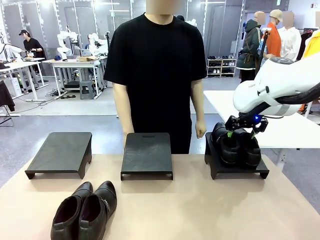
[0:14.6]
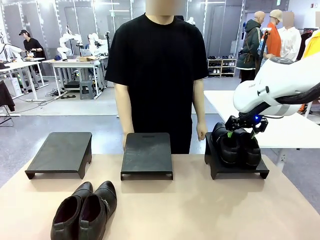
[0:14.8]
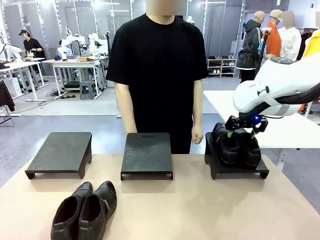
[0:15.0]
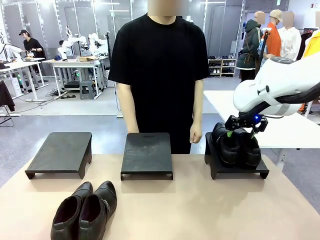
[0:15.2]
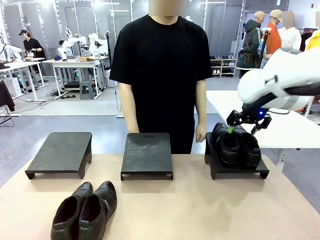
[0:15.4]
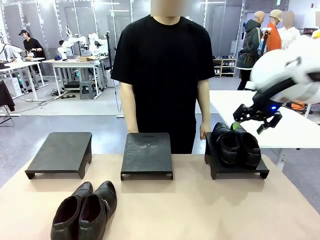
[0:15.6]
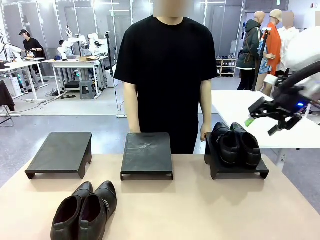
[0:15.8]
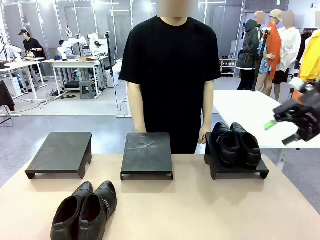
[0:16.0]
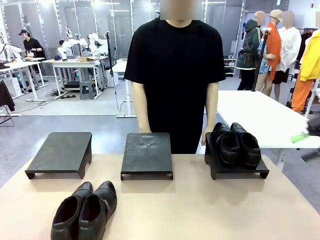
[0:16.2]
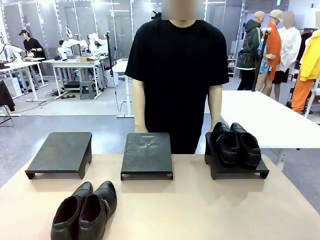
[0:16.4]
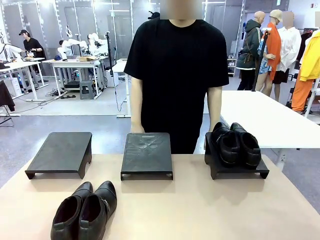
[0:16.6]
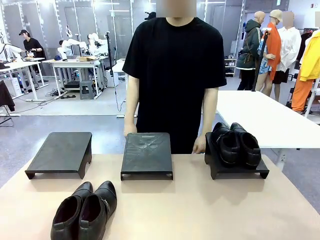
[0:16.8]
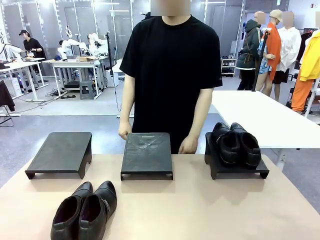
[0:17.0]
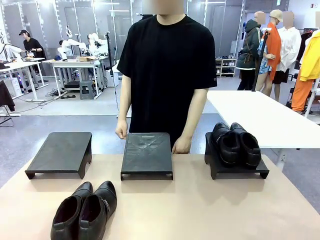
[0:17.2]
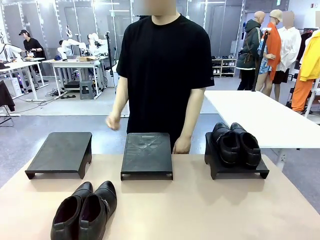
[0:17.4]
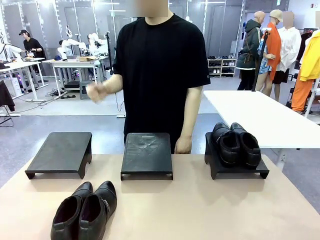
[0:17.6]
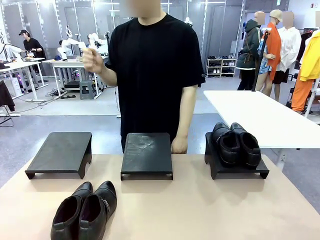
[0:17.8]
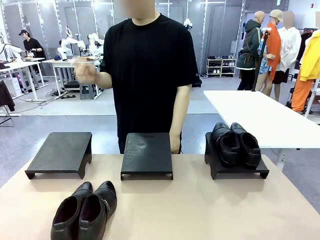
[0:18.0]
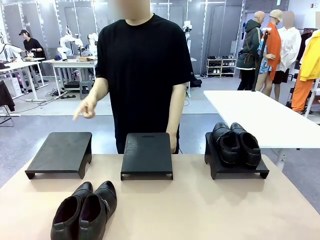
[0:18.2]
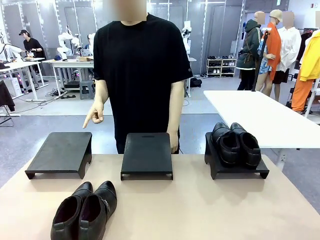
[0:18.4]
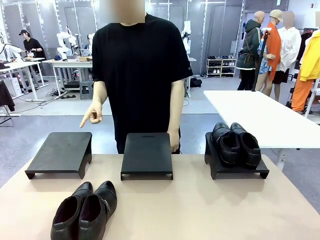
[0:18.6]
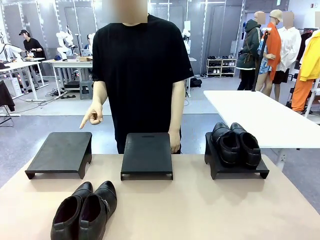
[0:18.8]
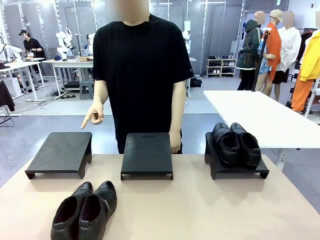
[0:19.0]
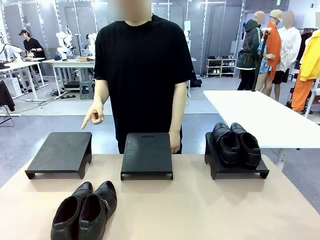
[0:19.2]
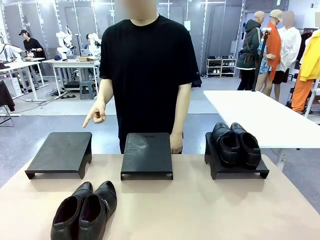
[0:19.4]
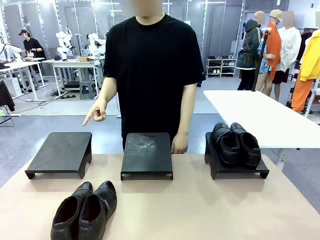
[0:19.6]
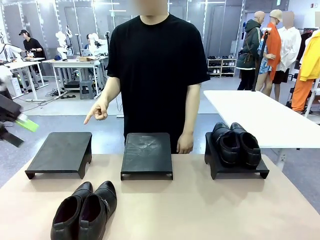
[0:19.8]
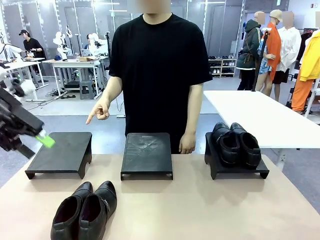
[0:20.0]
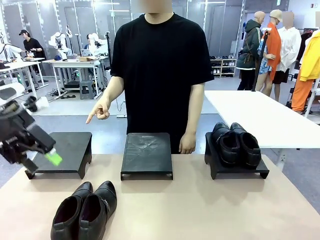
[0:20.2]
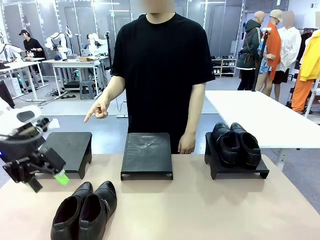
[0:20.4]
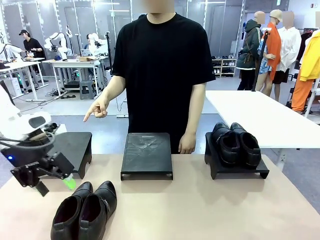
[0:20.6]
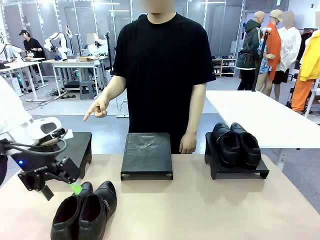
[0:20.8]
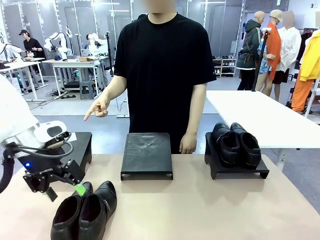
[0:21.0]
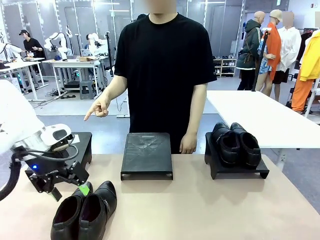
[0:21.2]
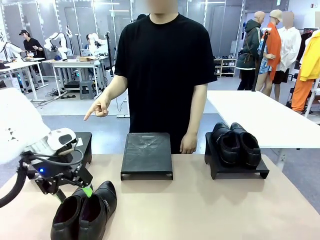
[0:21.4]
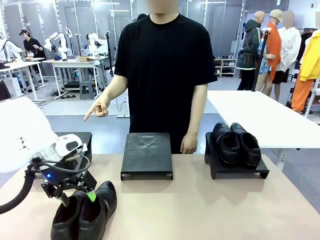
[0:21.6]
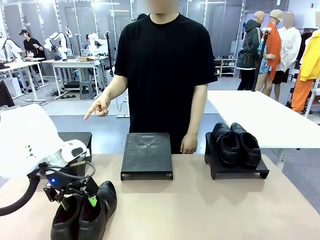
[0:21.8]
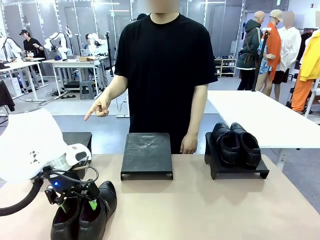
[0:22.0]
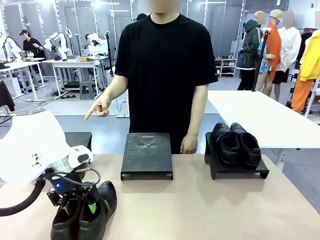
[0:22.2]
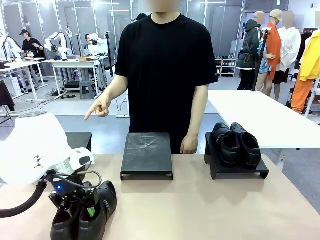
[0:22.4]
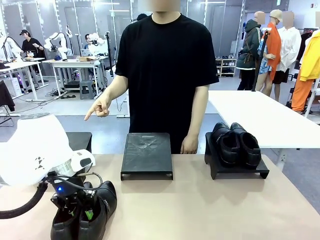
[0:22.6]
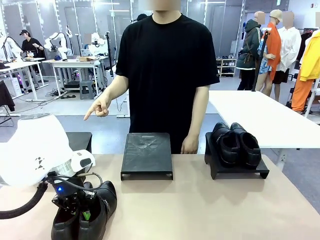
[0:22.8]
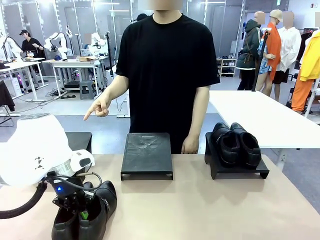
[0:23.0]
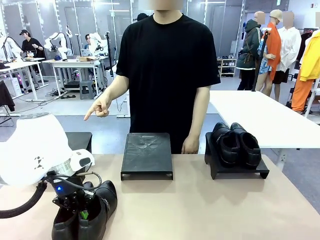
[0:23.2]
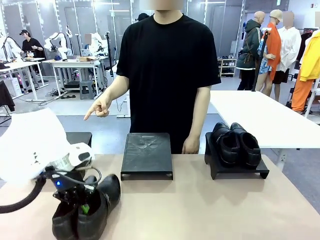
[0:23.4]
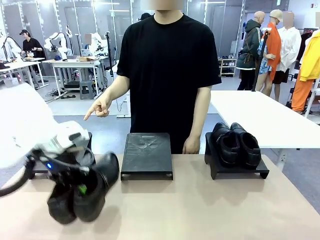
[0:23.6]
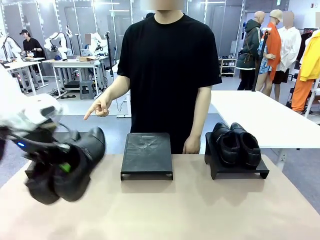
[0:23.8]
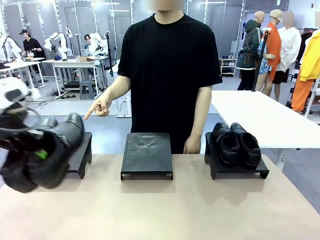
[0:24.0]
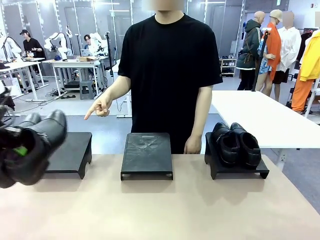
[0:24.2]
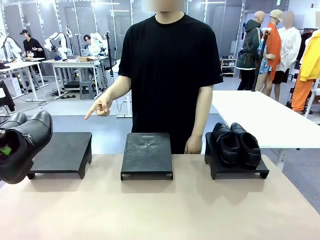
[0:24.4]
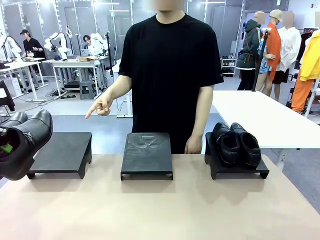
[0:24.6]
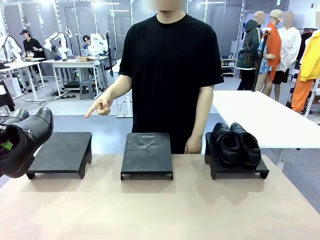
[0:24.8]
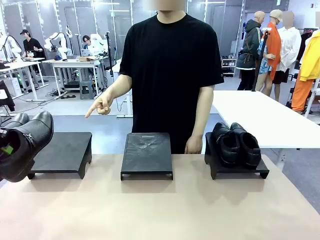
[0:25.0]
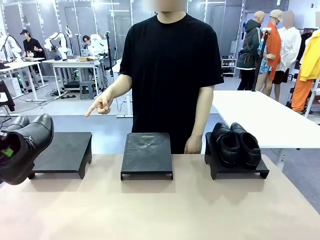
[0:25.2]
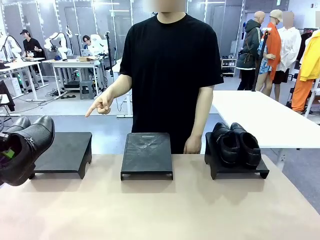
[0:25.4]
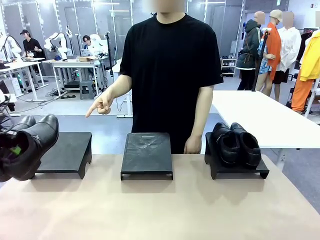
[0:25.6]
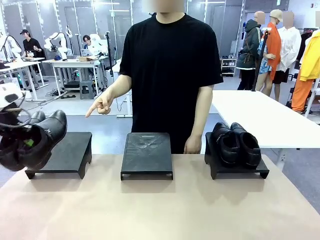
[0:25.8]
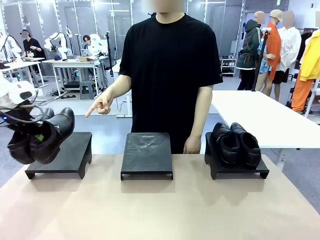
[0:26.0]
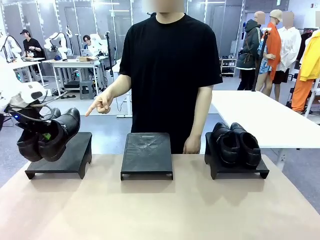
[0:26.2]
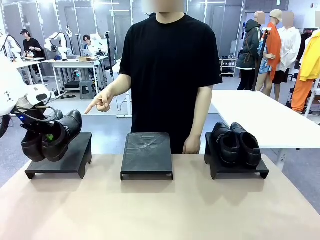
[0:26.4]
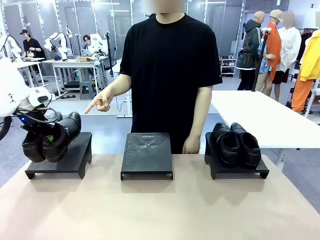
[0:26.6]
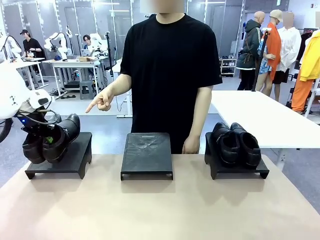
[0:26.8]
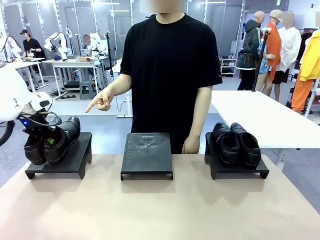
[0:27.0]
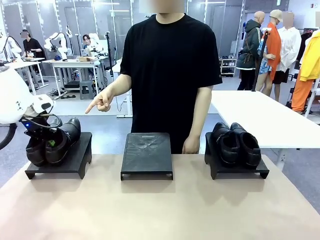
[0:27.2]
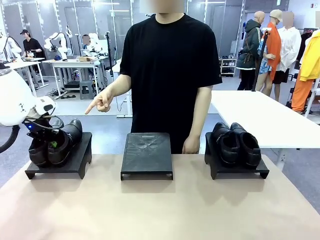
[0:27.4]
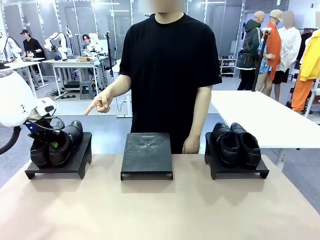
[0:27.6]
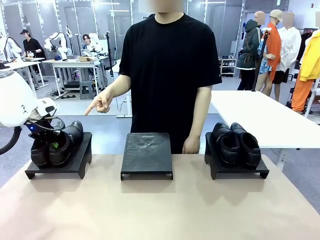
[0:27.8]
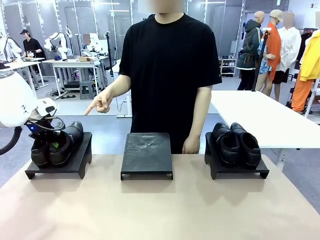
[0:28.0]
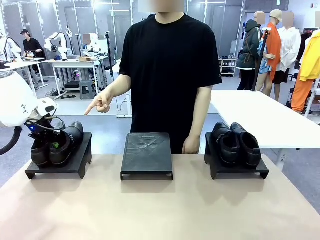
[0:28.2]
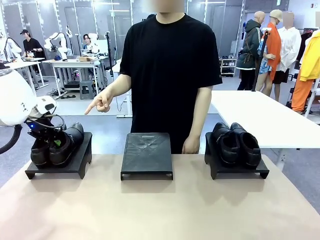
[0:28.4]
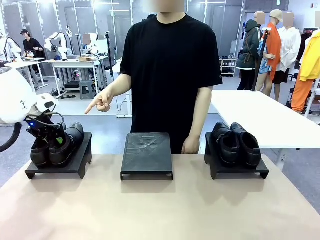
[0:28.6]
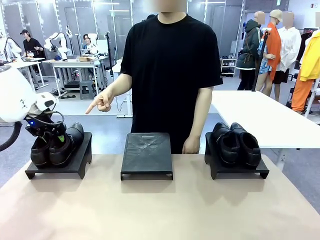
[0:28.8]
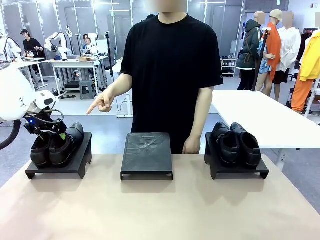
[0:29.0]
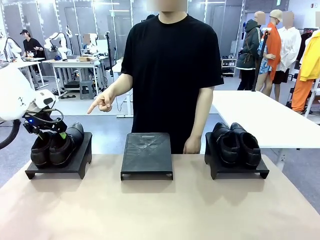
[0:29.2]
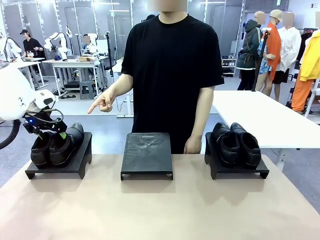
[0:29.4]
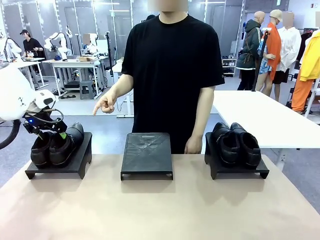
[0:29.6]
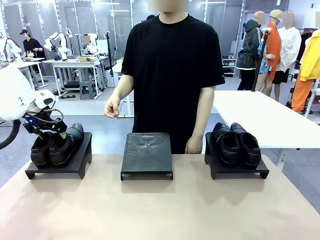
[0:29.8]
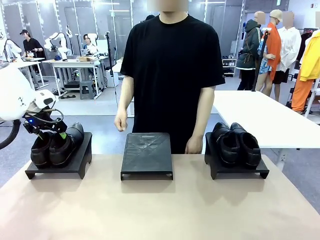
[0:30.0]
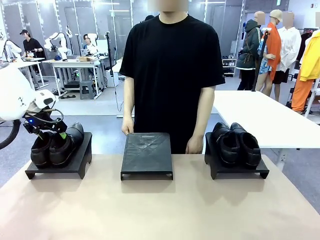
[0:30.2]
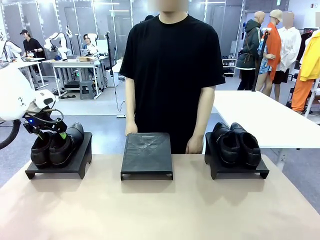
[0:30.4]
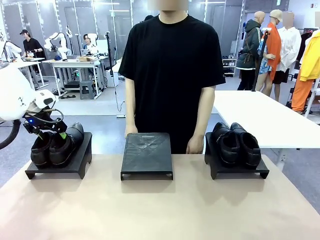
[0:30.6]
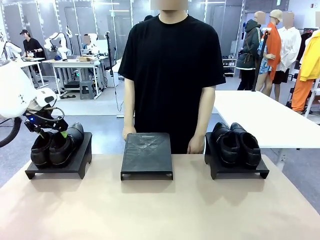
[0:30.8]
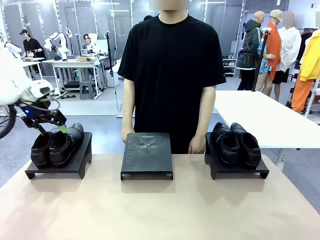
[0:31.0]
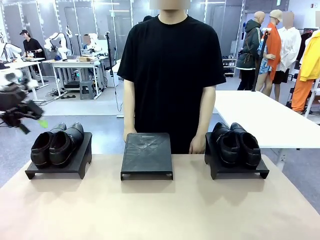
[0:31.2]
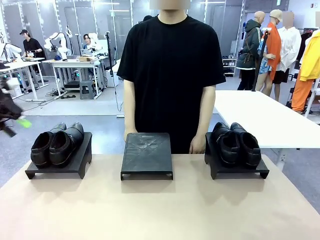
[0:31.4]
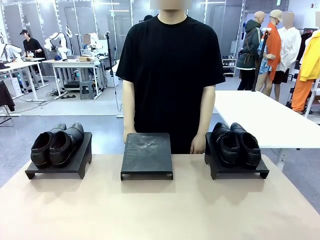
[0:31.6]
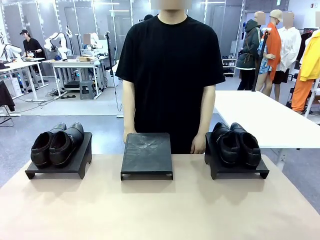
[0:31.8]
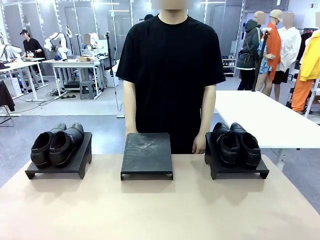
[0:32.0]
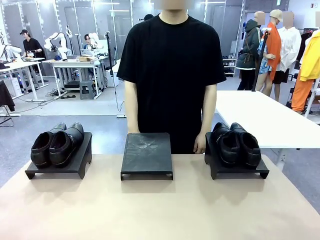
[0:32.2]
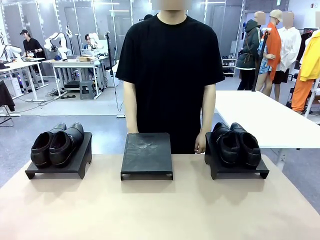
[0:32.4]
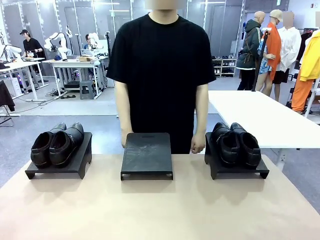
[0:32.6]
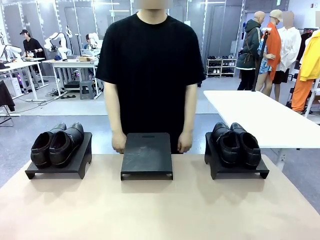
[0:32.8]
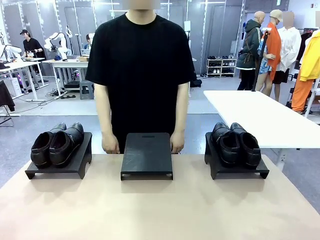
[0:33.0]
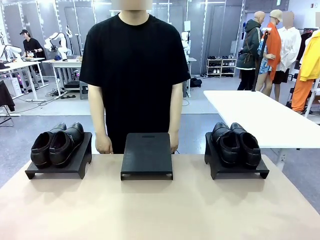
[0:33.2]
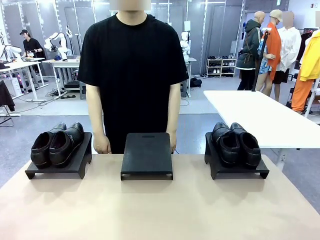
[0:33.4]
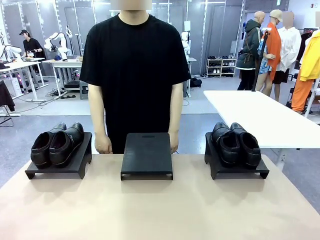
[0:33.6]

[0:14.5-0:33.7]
Task: Place the shoes on the stand as instructed by the person.
Robot: Pick up another pair of Shoes and place it on the Shoes Stand indicated by the person.
Person: Point to one Shoes Stand.
